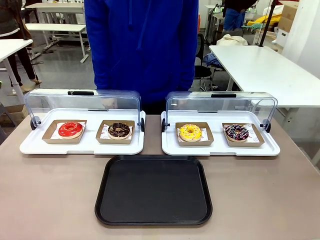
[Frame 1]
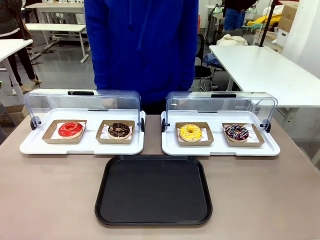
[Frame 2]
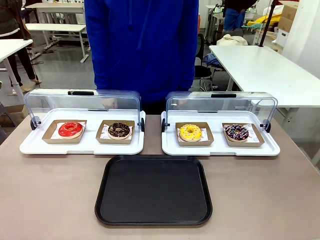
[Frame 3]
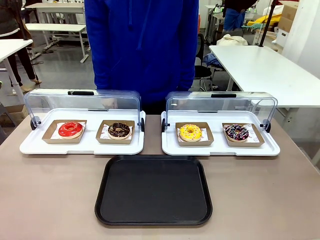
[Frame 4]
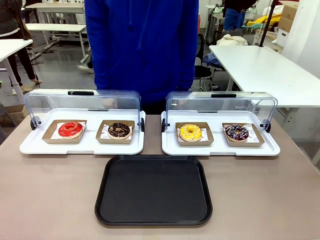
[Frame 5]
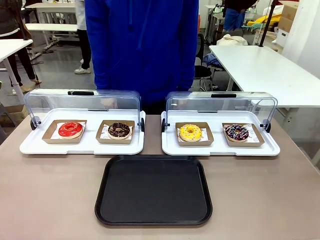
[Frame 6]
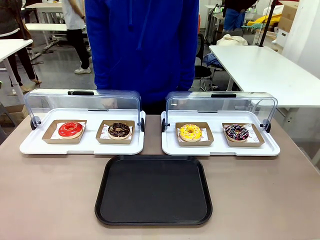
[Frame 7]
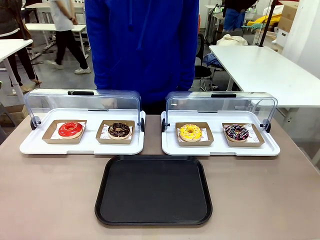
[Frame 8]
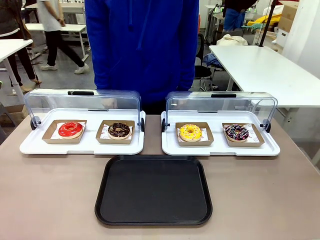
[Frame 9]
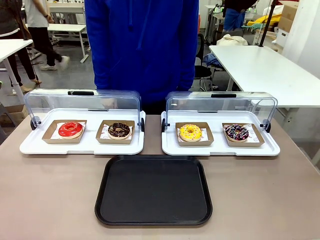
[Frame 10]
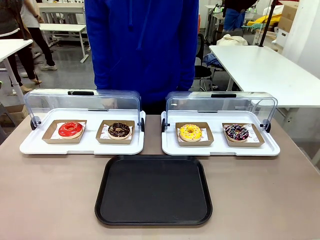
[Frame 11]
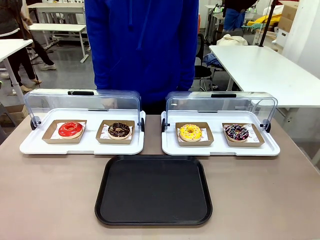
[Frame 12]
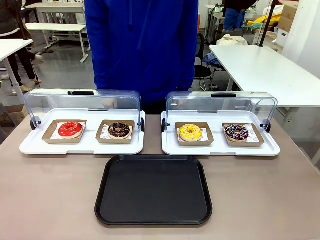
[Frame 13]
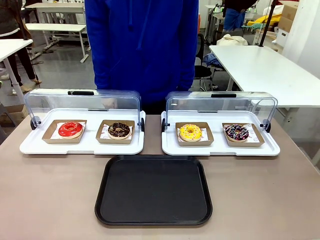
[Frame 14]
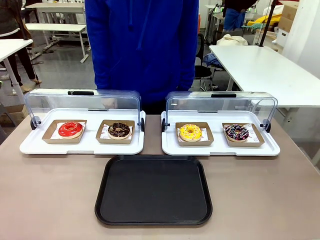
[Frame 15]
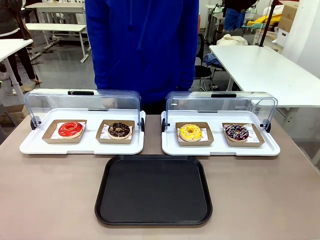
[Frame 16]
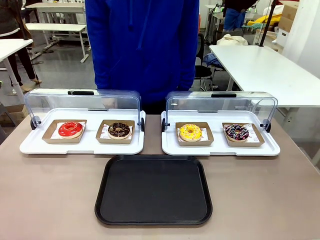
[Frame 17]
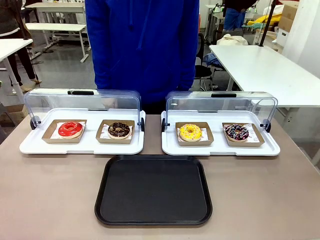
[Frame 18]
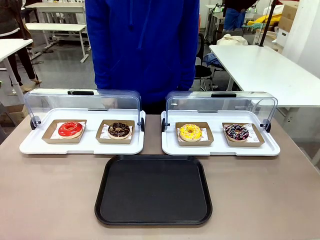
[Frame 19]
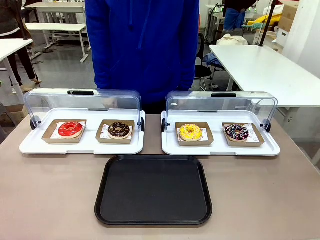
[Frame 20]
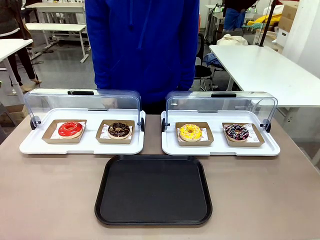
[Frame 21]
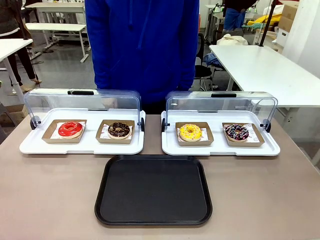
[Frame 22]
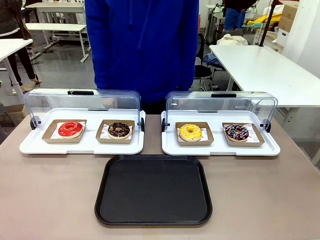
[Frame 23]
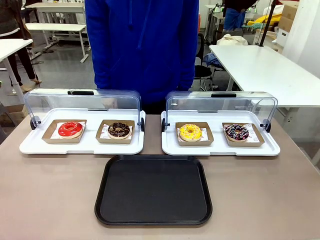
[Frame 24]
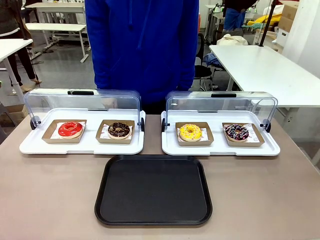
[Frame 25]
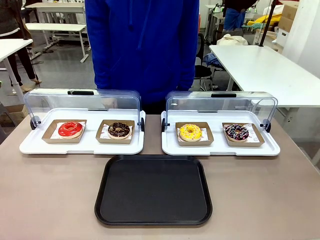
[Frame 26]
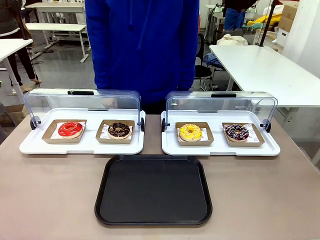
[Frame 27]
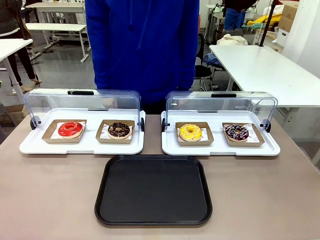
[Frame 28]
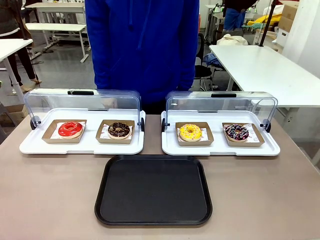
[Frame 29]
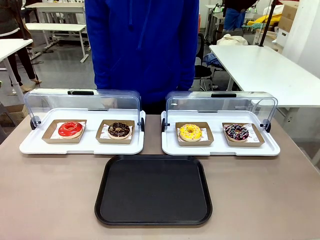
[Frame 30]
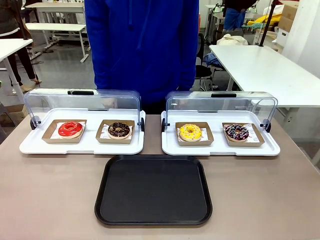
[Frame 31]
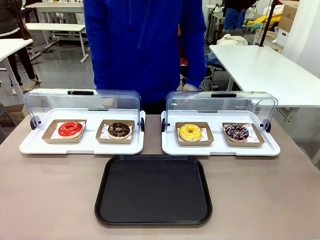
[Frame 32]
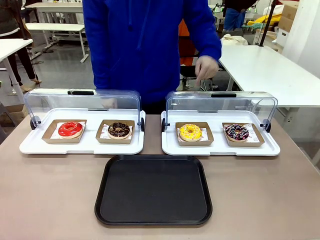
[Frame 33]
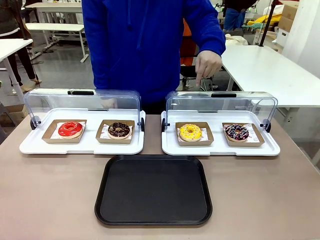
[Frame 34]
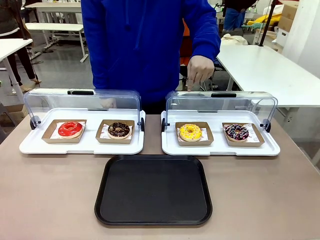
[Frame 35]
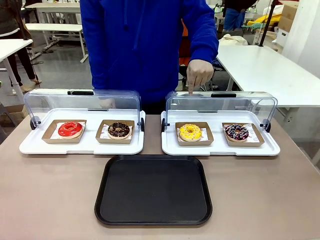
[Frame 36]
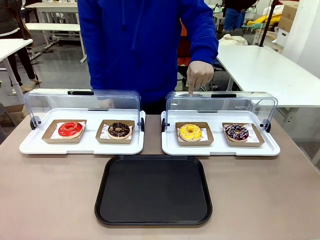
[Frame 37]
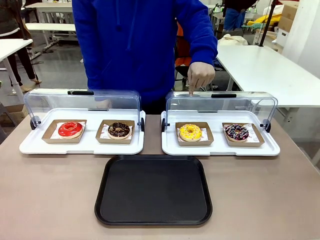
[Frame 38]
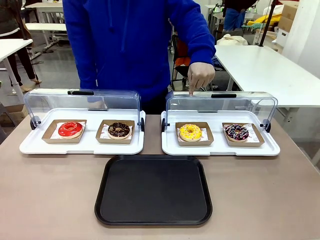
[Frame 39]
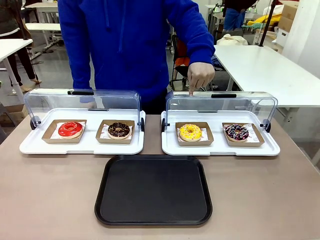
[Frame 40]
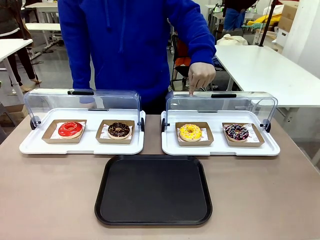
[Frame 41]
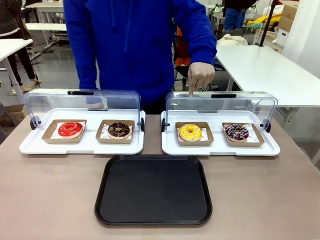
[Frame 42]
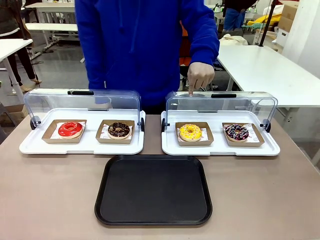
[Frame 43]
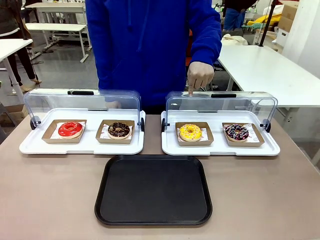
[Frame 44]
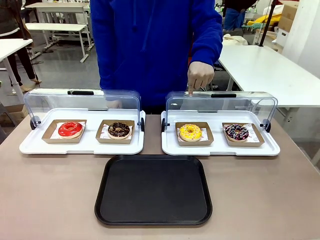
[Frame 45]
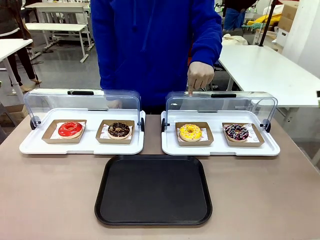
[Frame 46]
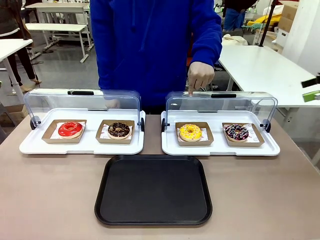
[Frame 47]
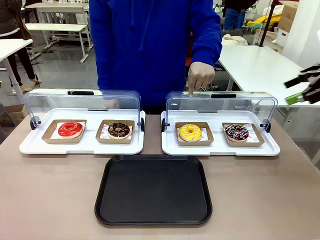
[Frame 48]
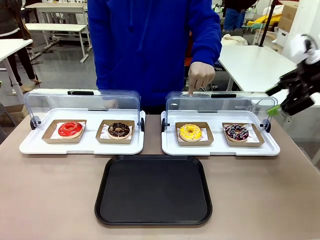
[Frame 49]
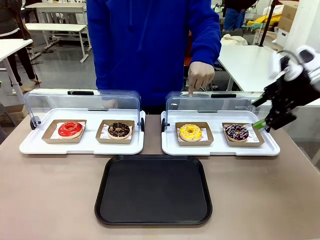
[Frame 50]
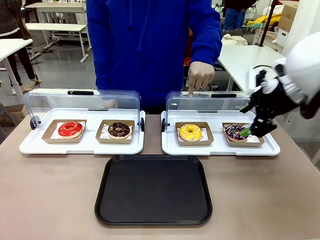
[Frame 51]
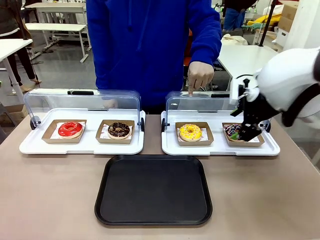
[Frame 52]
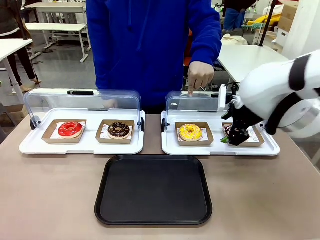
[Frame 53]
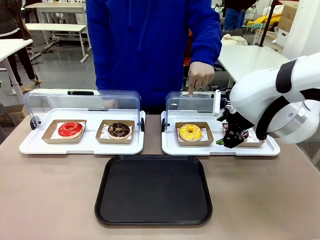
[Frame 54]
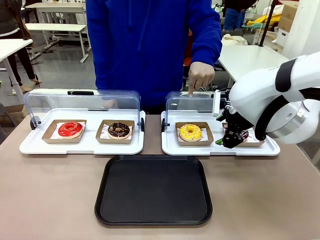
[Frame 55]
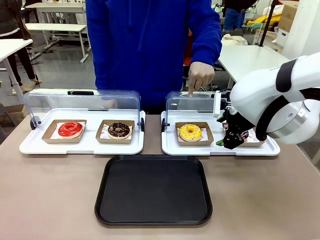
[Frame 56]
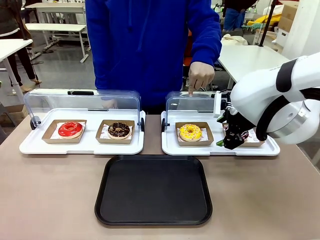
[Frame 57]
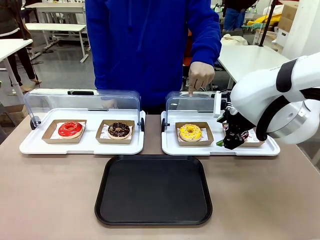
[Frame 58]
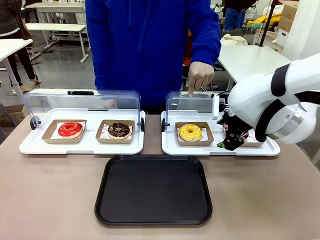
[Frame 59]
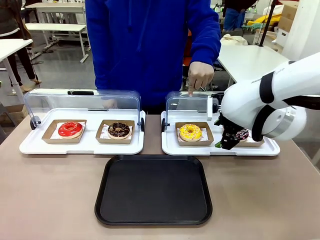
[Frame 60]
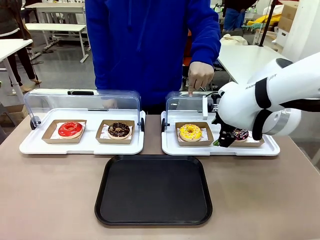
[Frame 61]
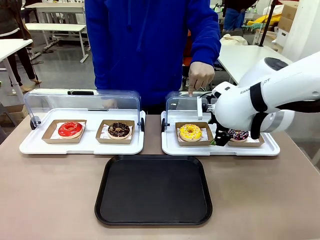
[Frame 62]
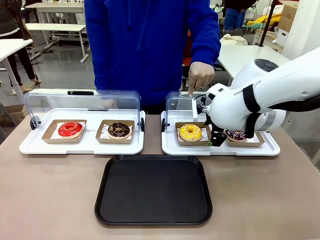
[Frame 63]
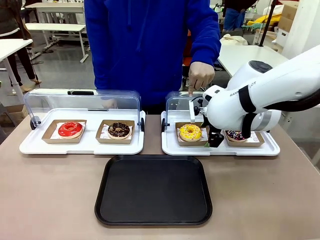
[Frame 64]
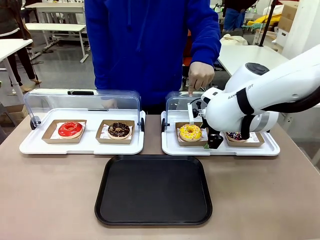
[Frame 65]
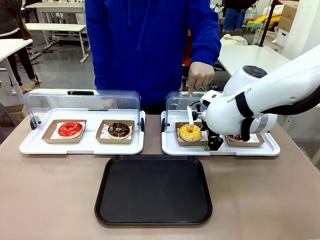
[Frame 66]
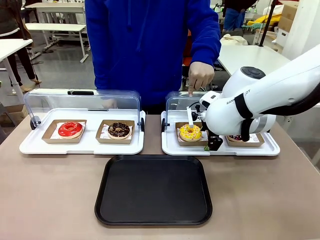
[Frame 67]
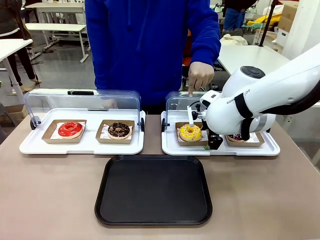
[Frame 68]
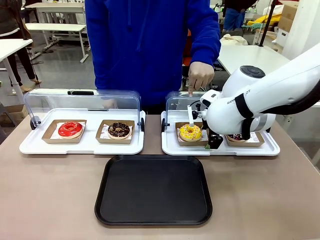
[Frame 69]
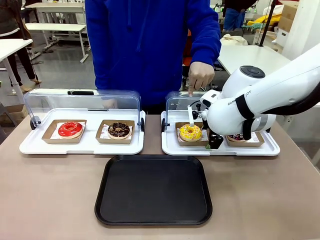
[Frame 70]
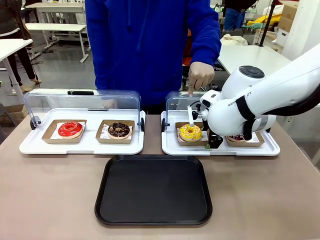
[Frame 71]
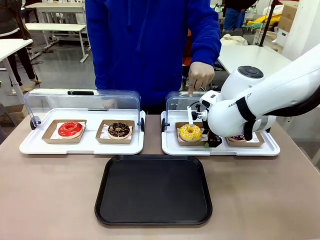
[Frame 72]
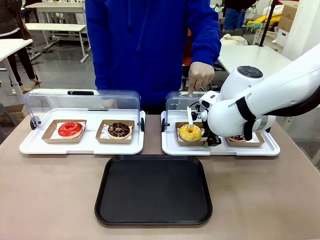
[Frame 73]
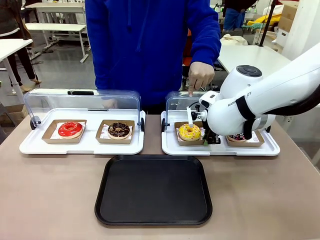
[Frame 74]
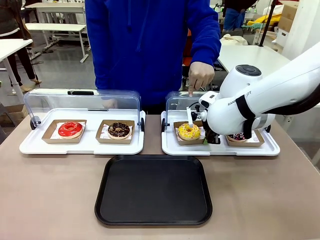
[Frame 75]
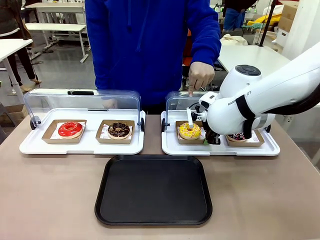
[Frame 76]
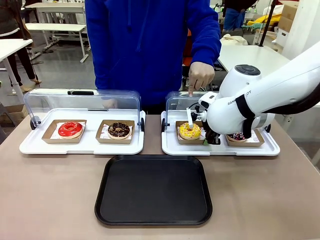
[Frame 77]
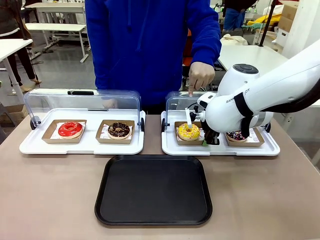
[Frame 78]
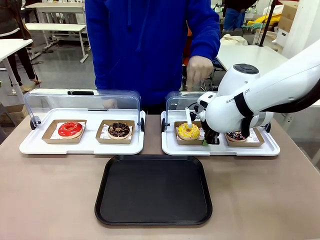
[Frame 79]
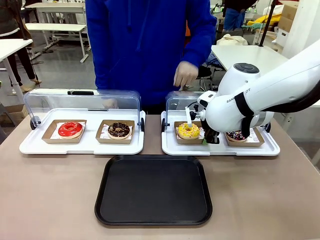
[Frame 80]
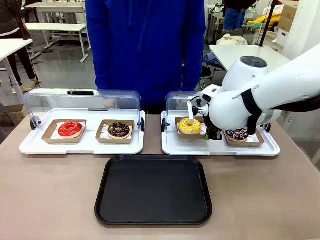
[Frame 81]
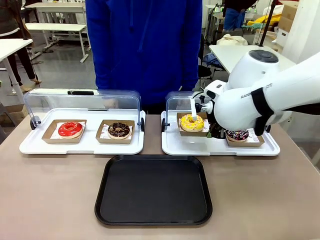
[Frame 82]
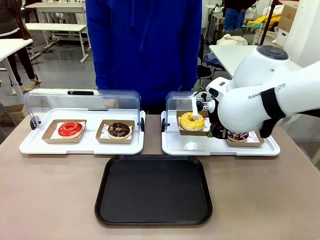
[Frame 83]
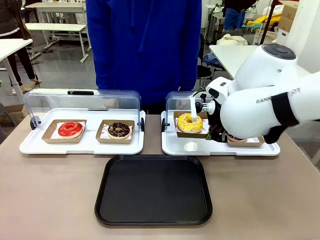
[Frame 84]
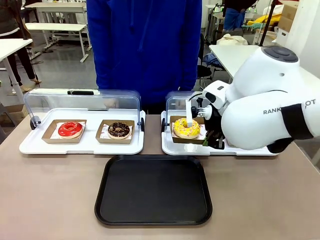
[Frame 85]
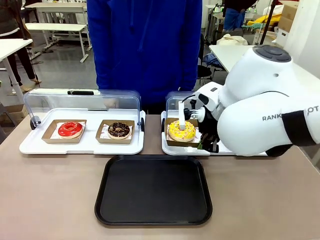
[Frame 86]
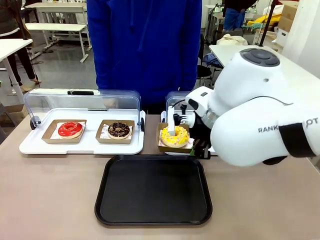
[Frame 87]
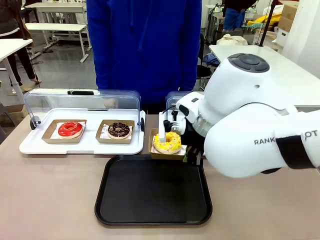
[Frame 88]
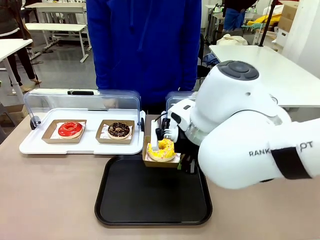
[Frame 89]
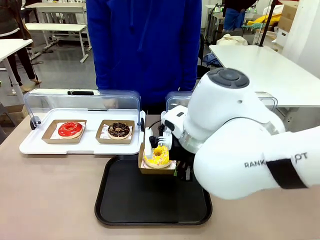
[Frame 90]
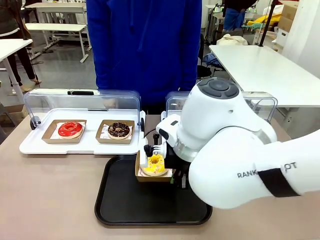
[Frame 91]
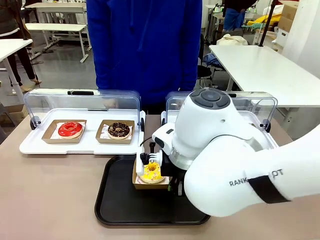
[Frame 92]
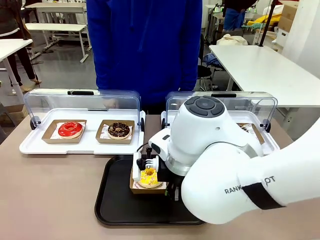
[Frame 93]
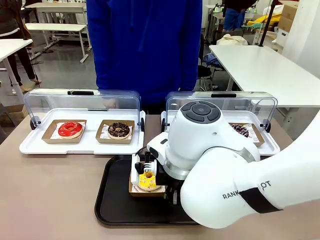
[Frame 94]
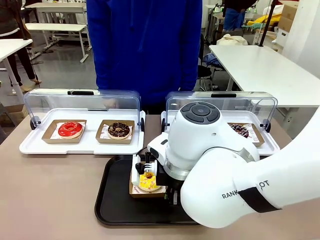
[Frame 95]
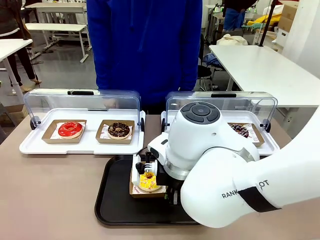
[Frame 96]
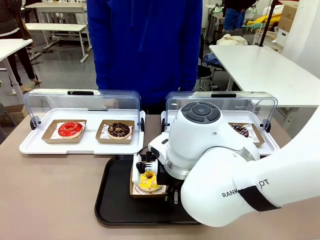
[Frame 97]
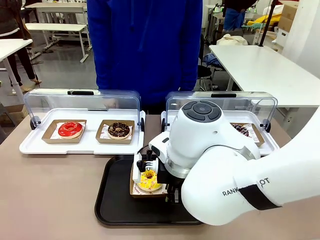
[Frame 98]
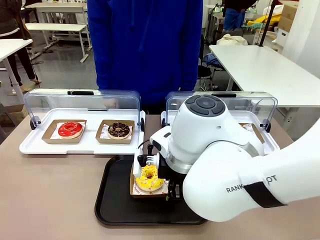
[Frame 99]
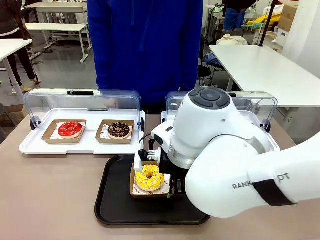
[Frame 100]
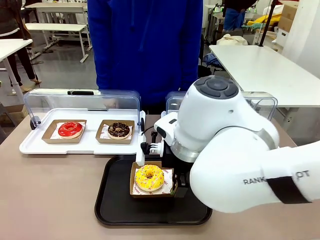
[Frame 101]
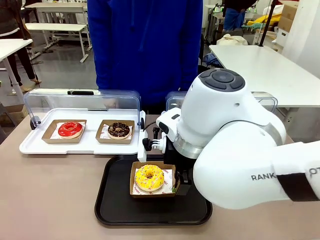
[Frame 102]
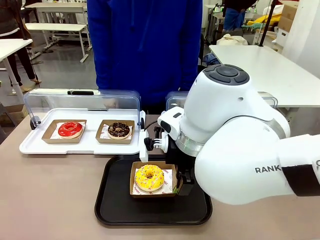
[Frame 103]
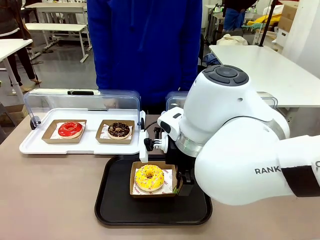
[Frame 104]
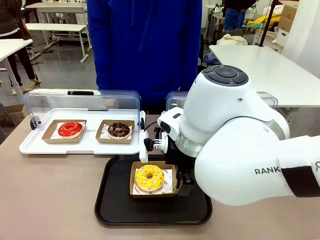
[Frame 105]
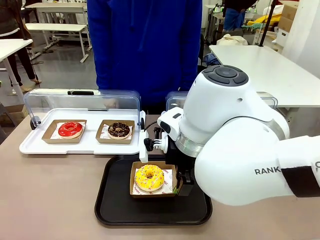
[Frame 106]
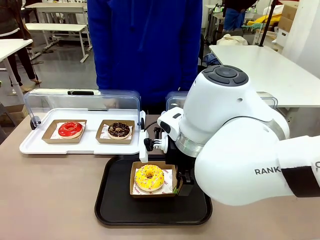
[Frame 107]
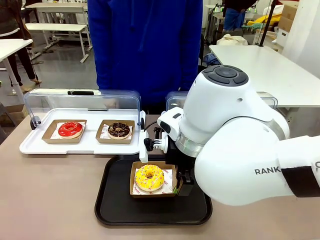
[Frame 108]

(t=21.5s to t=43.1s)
Task: Move the third donut from the left to the tray.
Robot: Pick up the Paper togo box containing the Donut indicated by the person and place it on the Handle tray.
Person: Points to the third donut from the left from the robot’s perspective.
